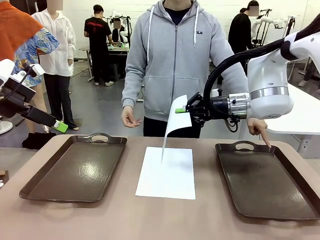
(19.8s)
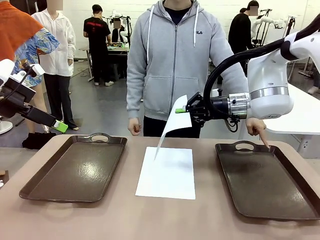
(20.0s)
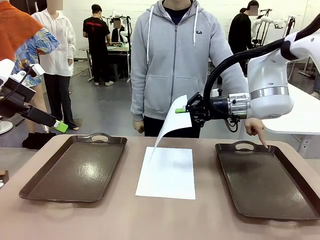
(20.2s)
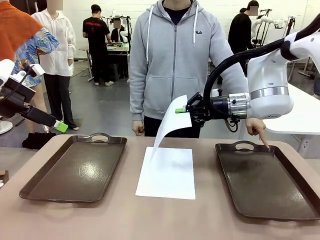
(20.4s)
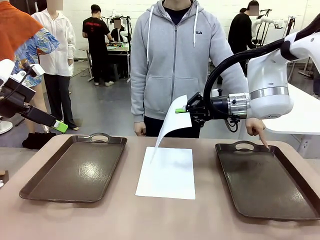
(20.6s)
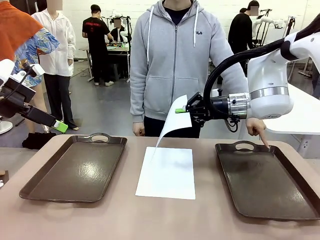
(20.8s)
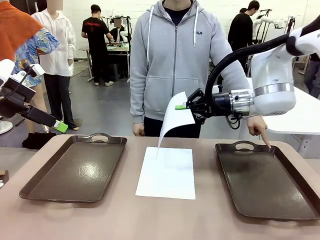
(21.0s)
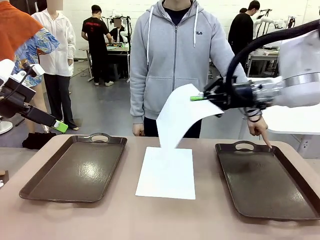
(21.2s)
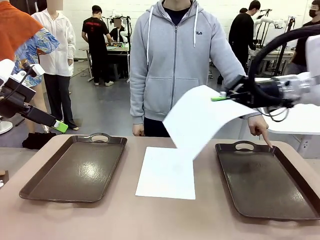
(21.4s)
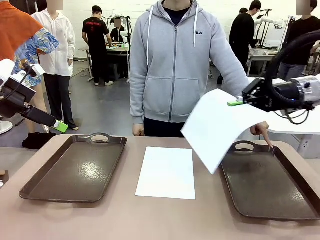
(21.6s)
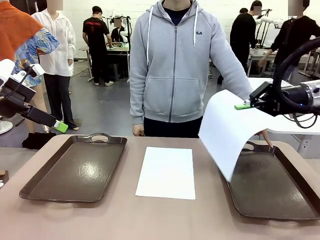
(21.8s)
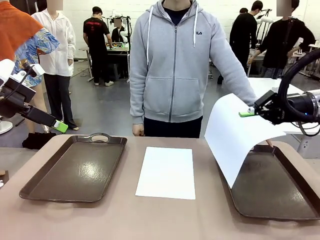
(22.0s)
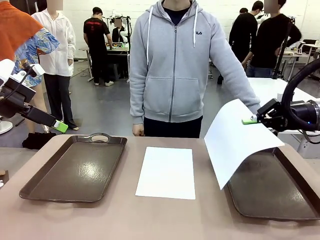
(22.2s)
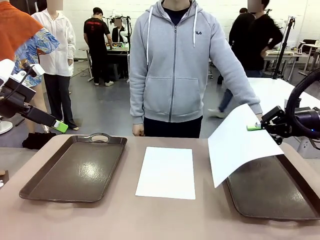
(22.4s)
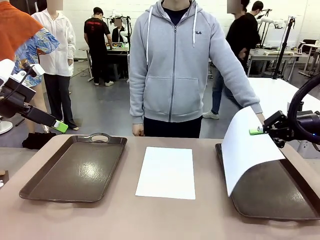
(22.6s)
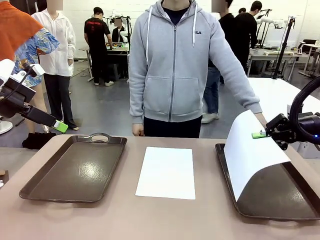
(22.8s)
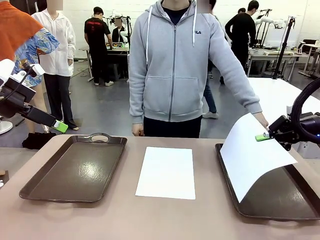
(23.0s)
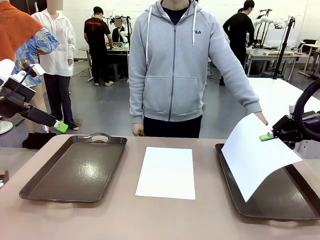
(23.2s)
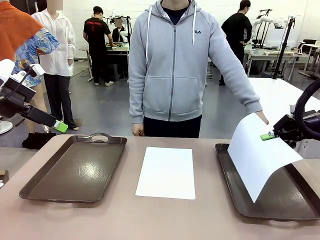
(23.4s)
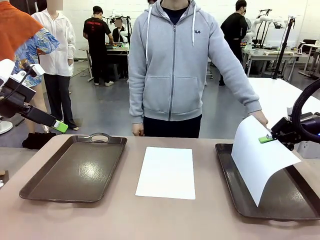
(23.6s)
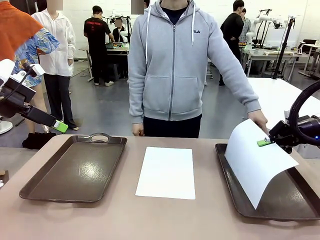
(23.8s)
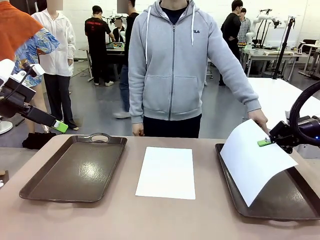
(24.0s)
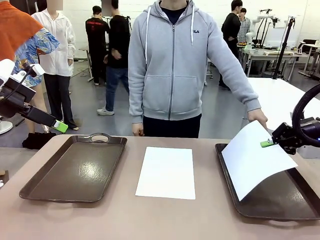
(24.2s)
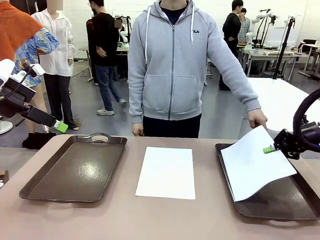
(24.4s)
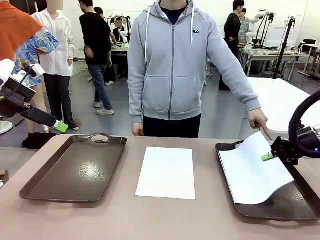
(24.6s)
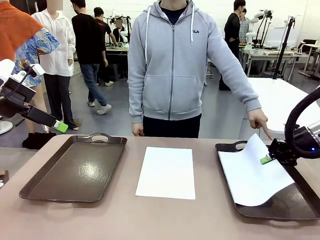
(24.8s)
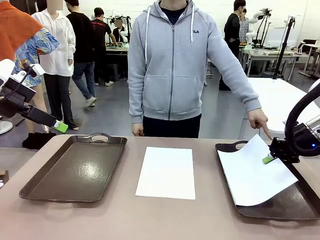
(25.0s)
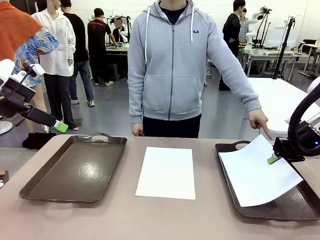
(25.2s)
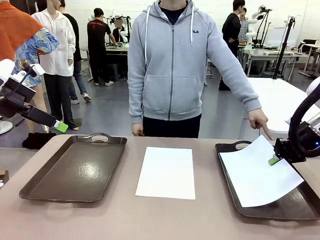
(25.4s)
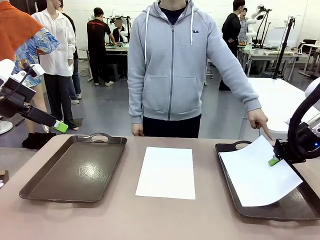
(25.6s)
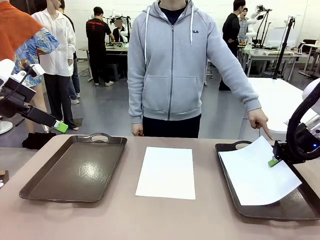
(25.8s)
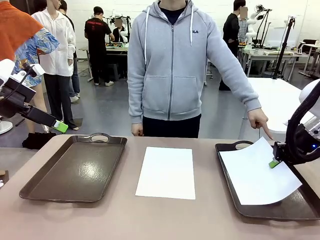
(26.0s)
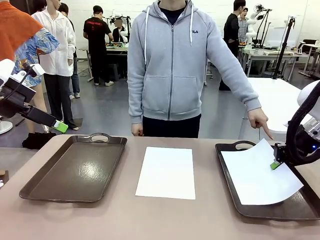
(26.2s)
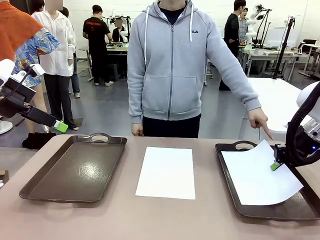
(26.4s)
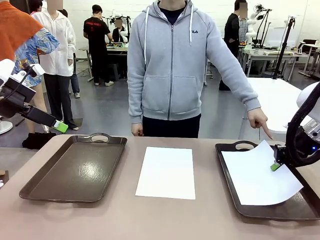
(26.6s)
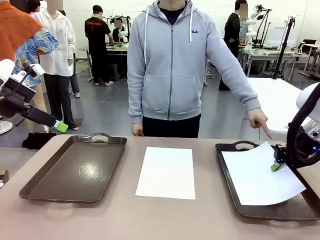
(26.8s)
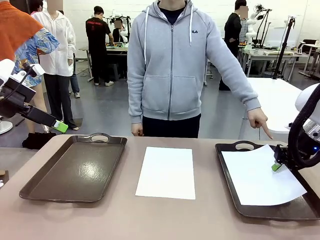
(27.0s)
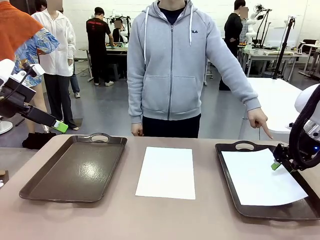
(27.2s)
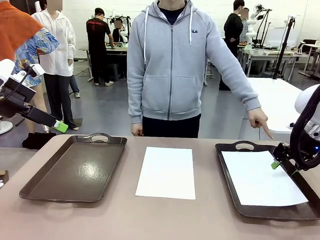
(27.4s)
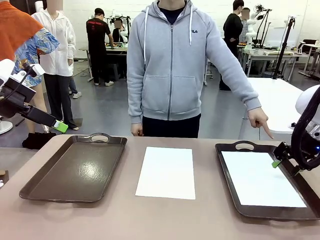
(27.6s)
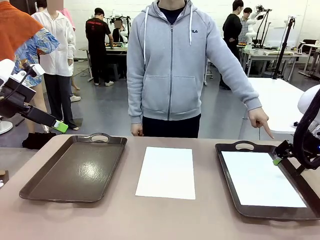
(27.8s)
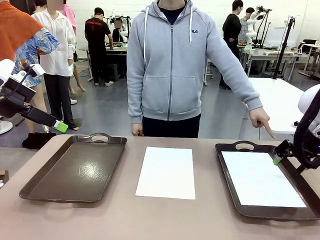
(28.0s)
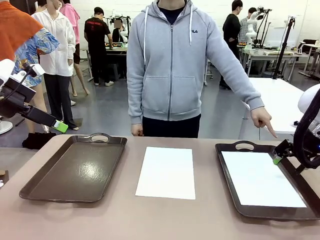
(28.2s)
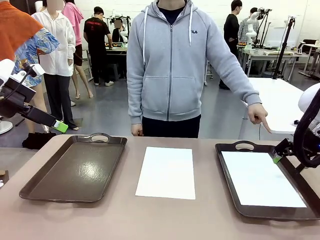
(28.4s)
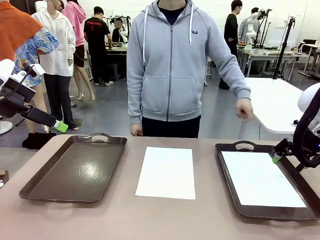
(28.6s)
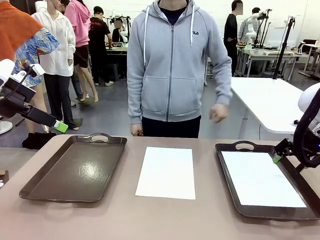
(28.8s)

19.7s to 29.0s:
Task: Sort the A4 documents.
Robot: Place the A4 Paper in the designated Handle tray.

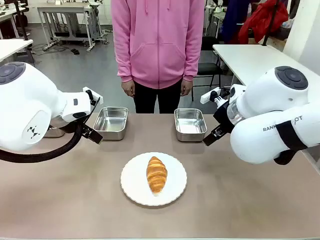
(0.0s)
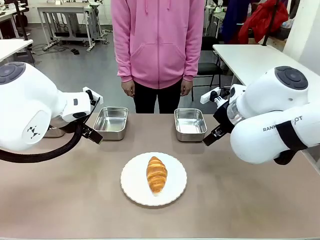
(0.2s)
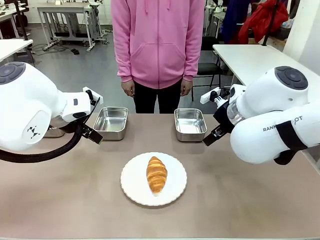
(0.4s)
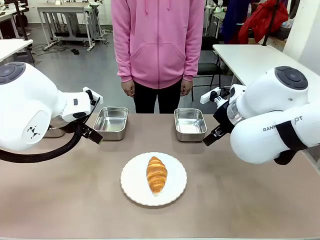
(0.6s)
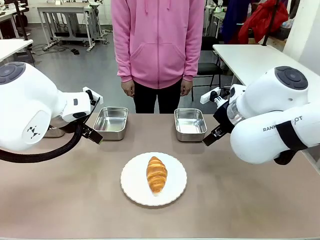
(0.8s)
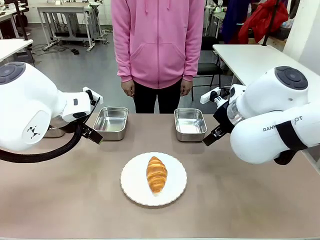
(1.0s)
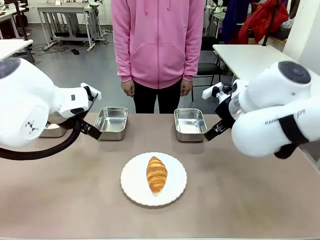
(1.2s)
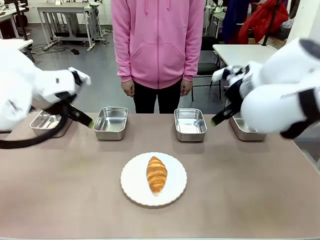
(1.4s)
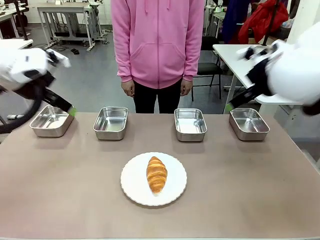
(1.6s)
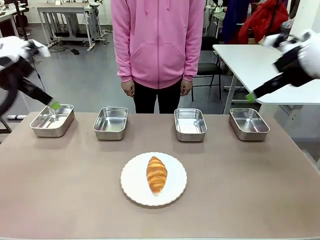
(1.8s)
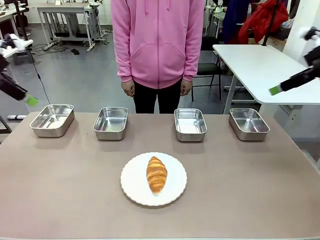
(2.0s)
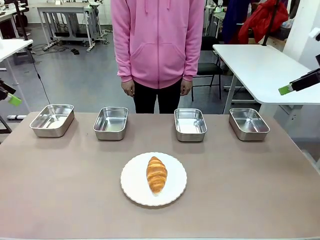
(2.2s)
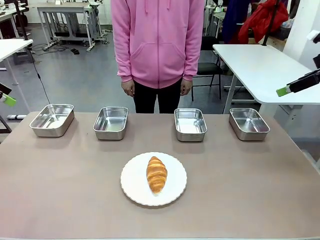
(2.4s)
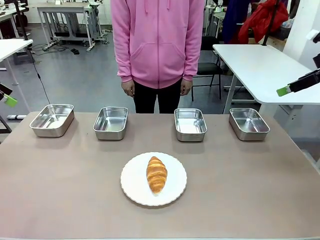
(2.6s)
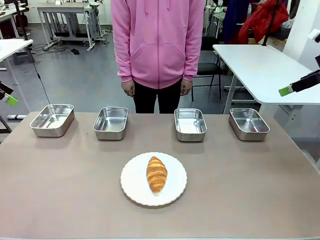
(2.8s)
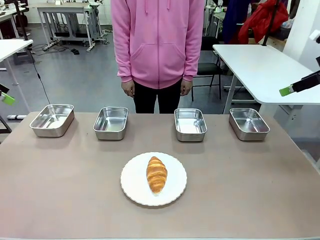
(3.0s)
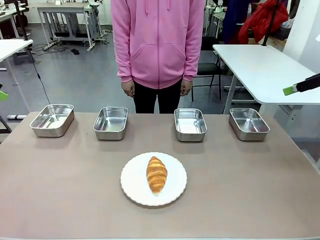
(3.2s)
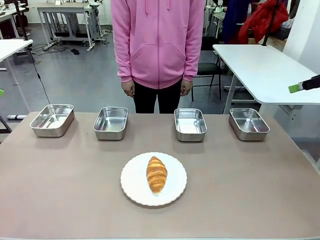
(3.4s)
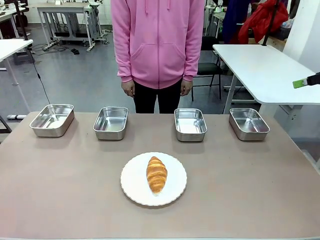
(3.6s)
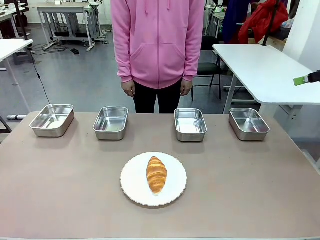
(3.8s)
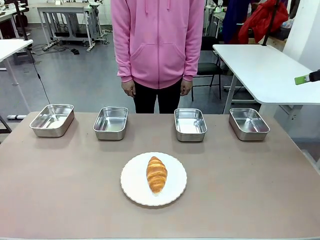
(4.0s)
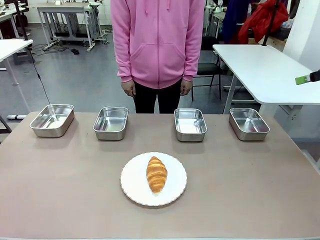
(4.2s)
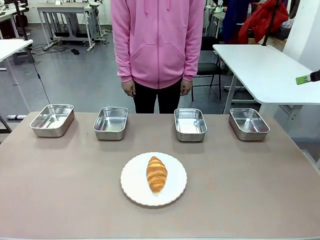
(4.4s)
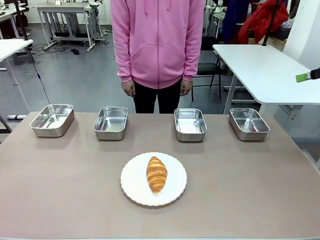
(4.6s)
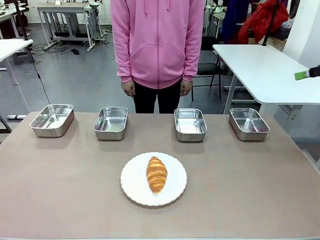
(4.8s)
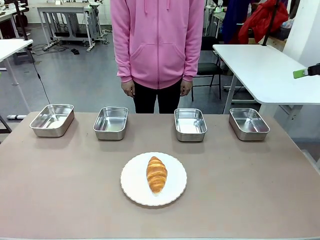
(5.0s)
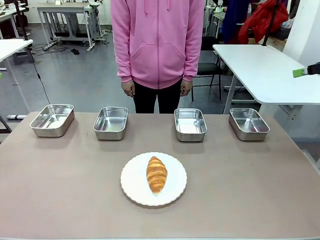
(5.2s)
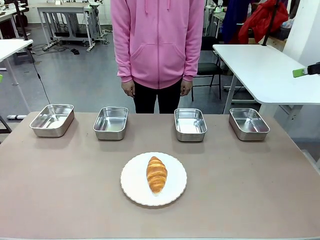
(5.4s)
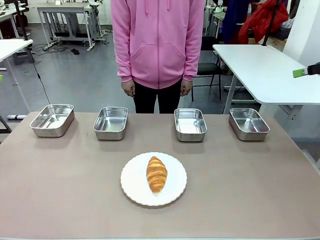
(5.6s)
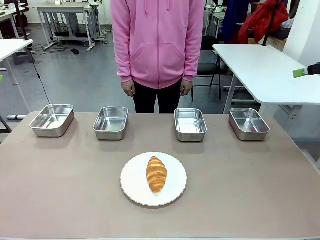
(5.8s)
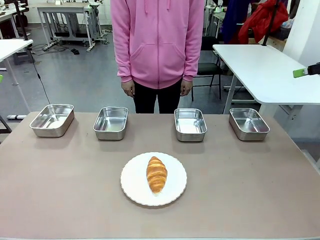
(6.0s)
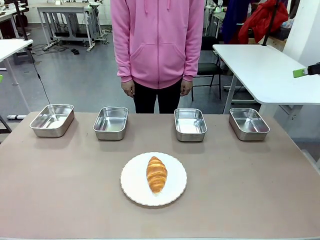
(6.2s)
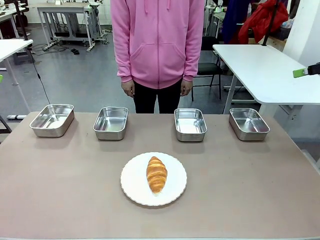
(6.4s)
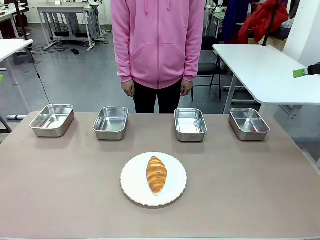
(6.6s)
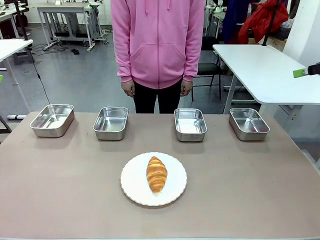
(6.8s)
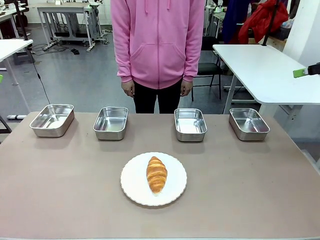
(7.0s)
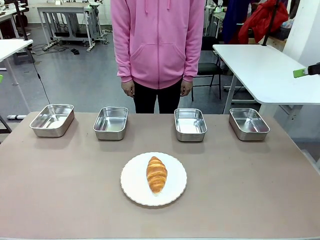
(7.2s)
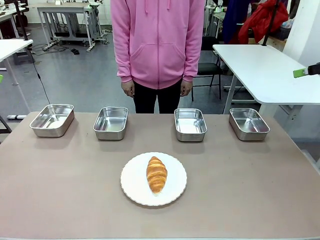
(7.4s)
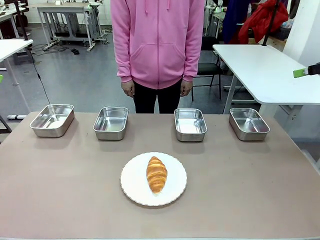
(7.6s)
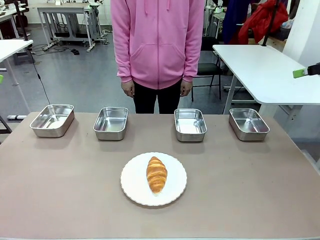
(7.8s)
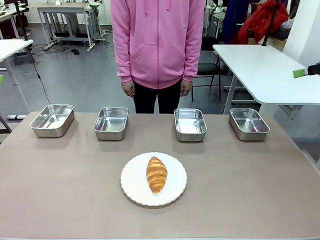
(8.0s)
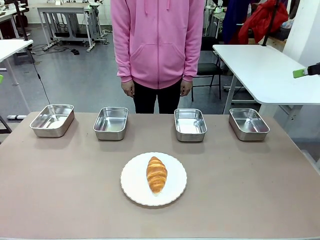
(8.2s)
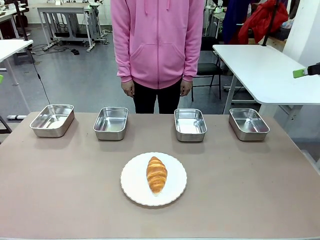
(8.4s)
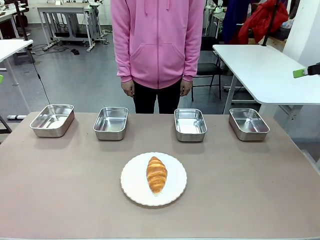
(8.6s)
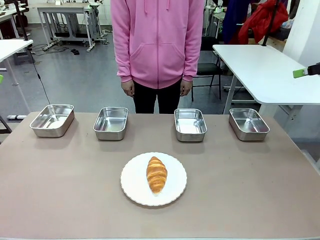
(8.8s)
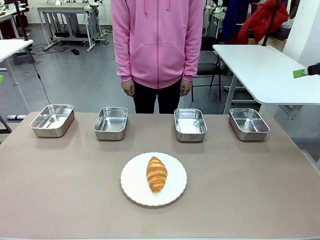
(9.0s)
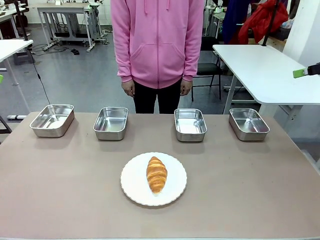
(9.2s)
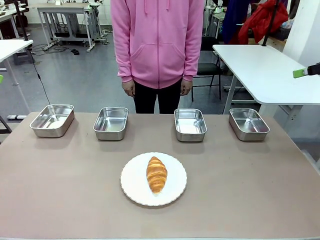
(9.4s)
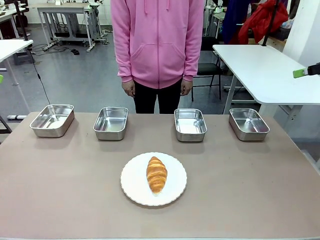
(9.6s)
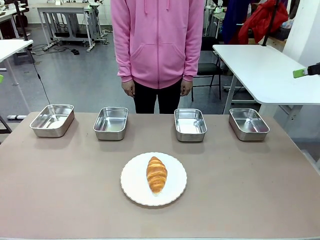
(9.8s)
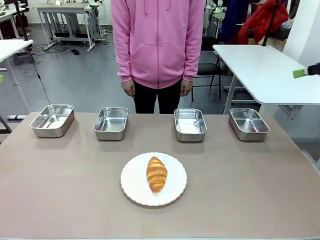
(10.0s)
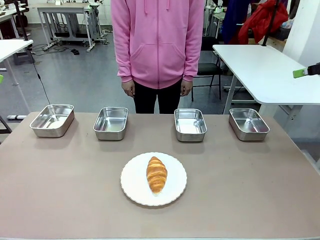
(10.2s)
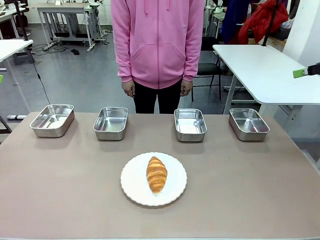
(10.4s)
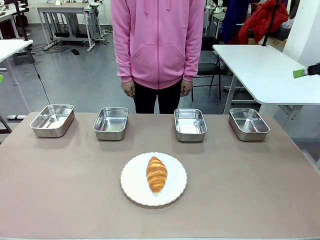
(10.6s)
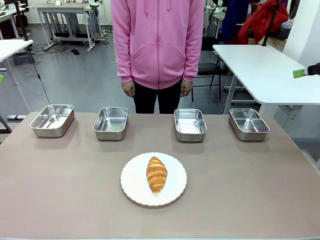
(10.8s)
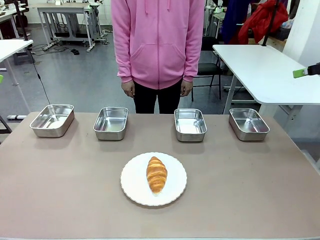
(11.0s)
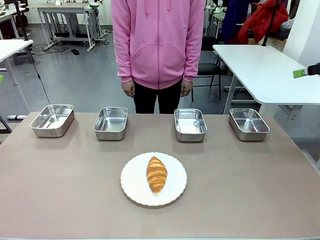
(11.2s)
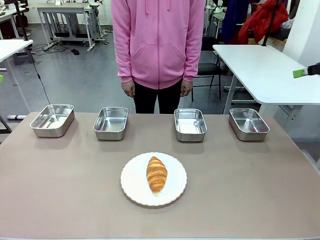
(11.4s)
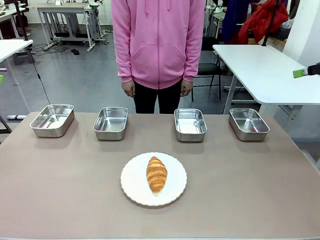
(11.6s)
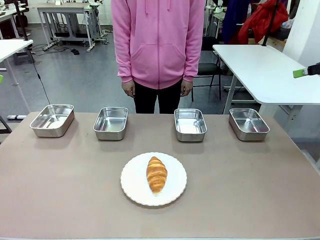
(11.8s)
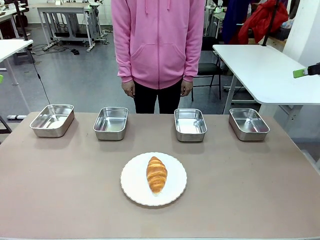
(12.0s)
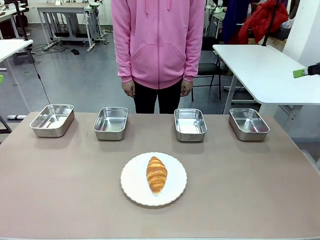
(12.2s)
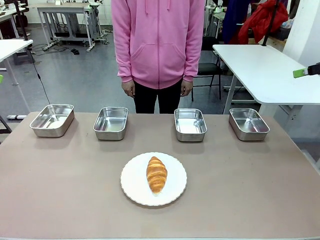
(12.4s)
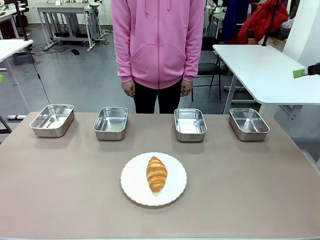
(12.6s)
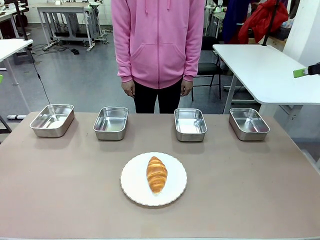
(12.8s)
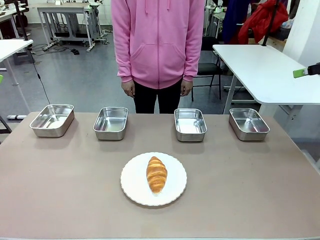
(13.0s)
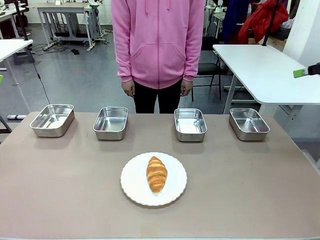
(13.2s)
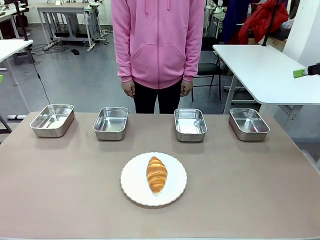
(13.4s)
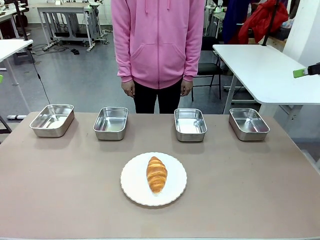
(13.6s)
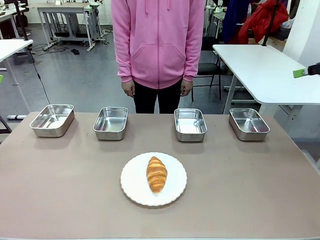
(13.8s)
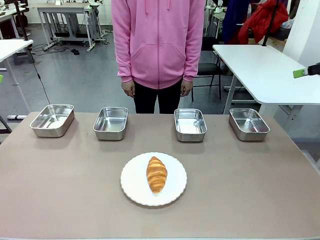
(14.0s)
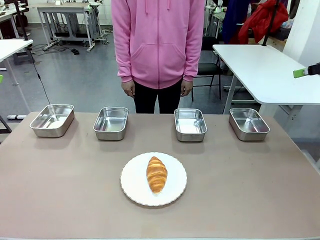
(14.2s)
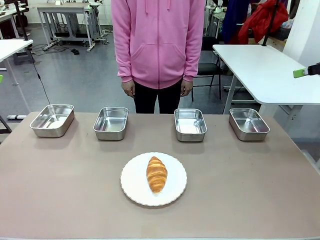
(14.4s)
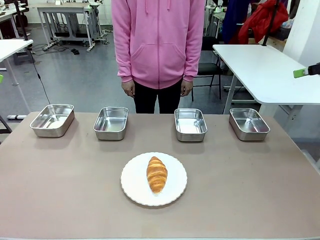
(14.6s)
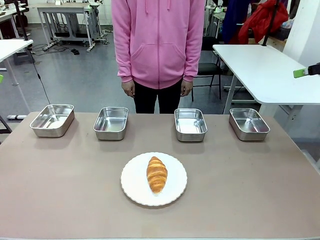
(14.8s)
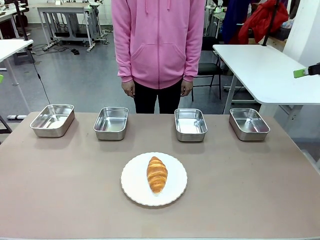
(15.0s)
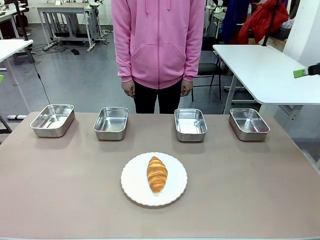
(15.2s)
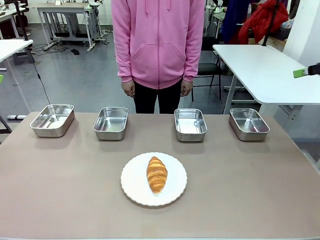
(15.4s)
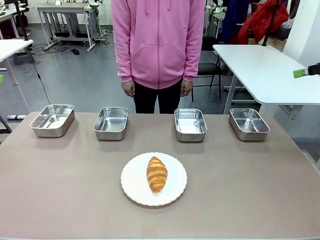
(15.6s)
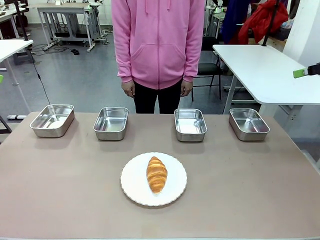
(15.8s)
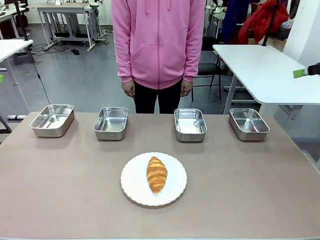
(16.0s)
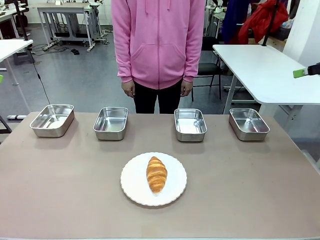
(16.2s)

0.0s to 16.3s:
Task: Place the bread in the container.
Robot: Place the Butter Roll into the Airtight Container indicated by the human.
